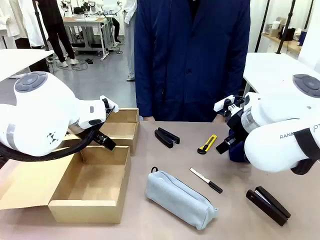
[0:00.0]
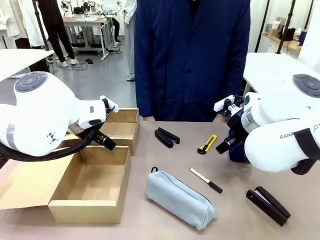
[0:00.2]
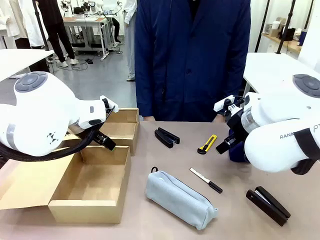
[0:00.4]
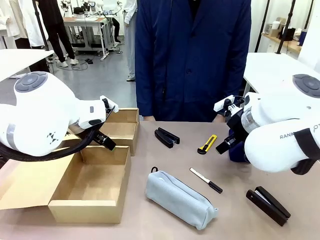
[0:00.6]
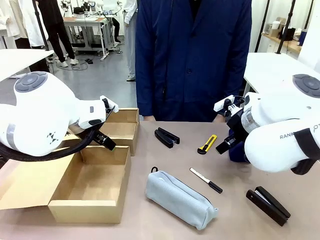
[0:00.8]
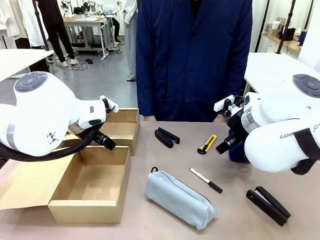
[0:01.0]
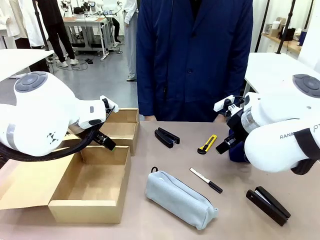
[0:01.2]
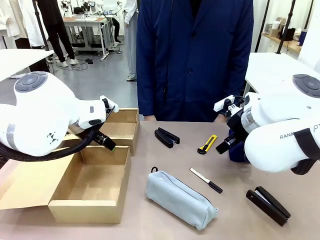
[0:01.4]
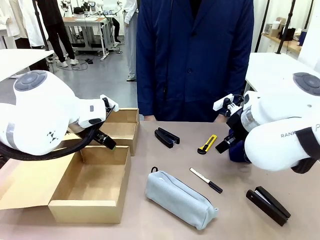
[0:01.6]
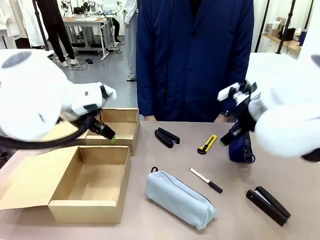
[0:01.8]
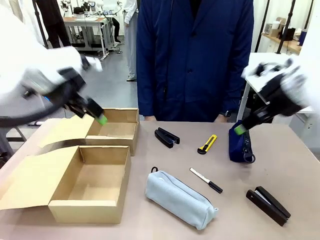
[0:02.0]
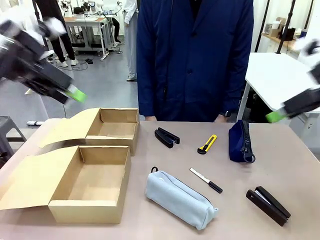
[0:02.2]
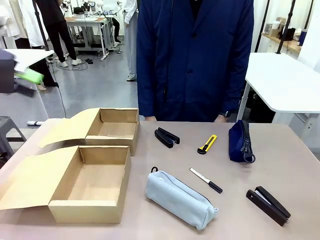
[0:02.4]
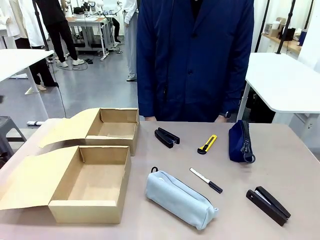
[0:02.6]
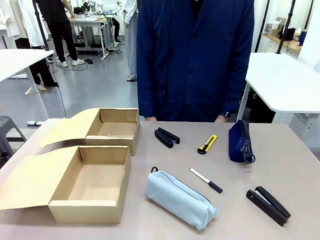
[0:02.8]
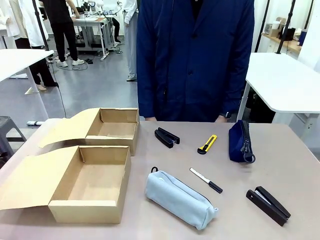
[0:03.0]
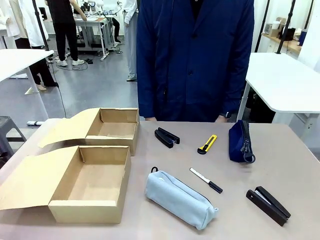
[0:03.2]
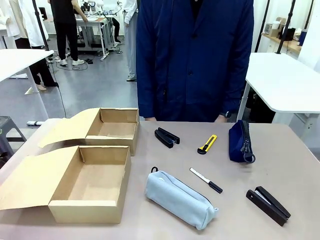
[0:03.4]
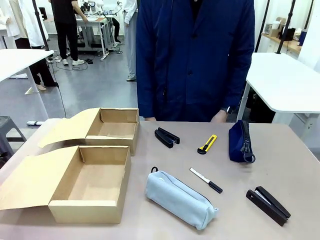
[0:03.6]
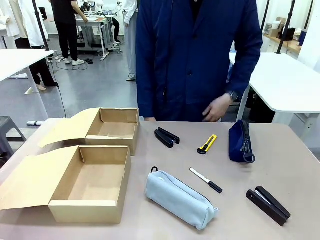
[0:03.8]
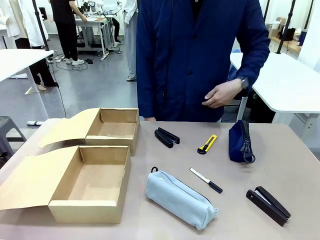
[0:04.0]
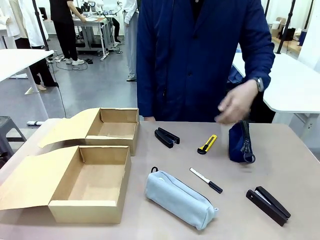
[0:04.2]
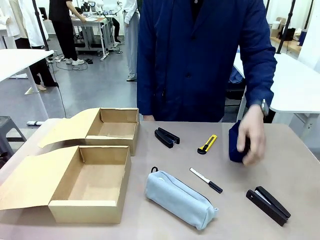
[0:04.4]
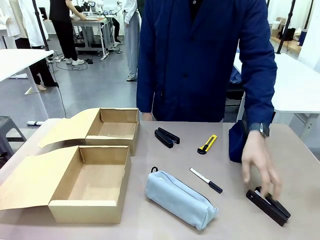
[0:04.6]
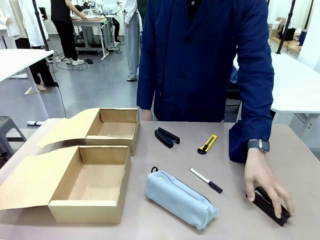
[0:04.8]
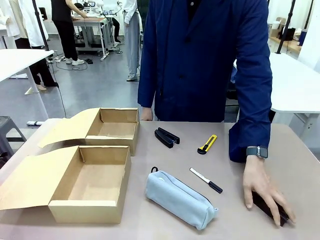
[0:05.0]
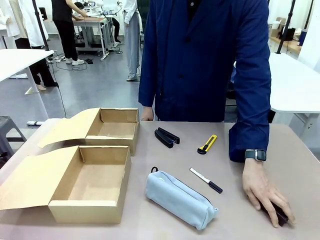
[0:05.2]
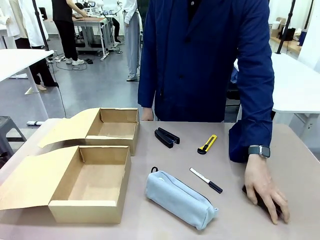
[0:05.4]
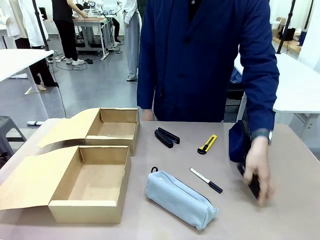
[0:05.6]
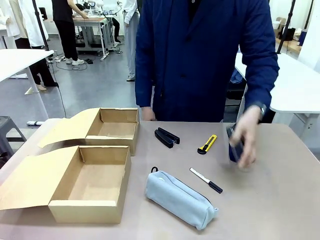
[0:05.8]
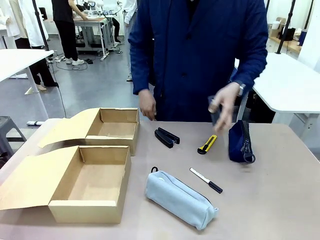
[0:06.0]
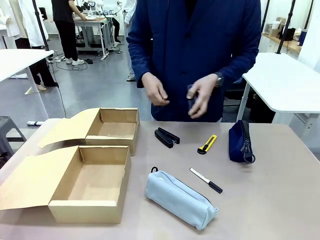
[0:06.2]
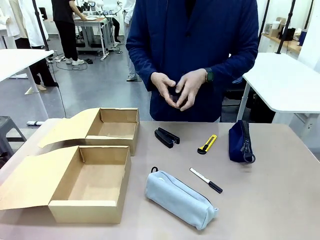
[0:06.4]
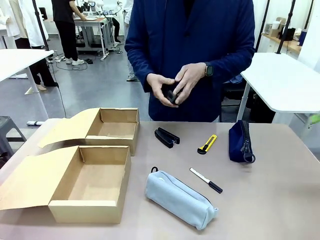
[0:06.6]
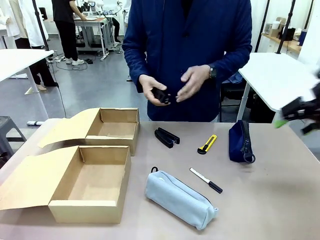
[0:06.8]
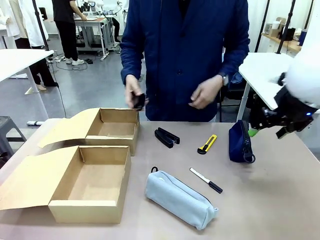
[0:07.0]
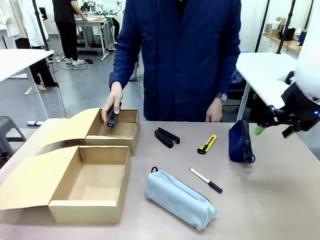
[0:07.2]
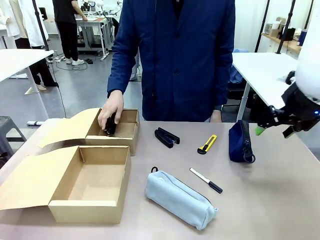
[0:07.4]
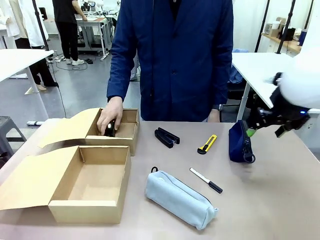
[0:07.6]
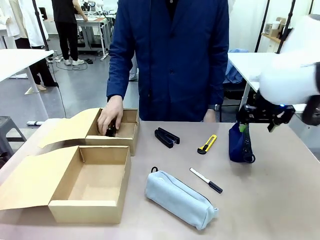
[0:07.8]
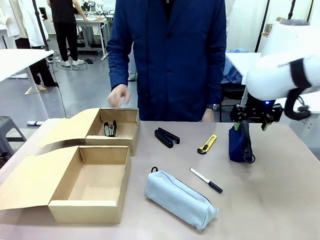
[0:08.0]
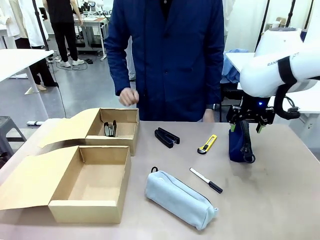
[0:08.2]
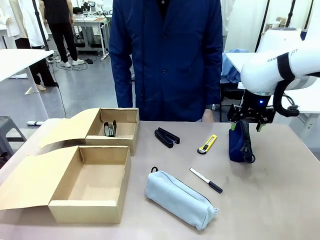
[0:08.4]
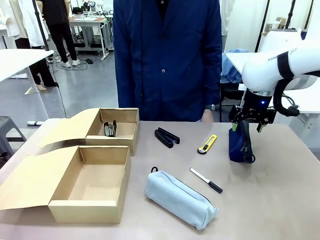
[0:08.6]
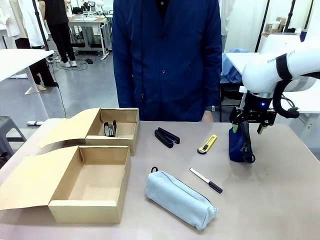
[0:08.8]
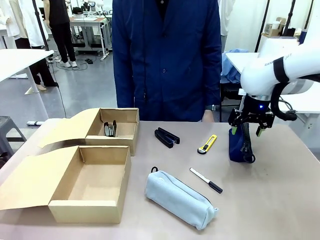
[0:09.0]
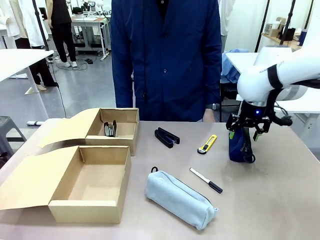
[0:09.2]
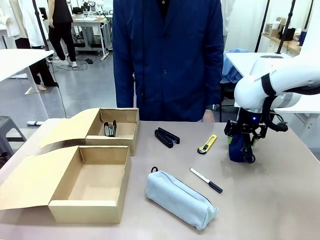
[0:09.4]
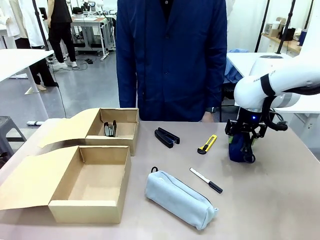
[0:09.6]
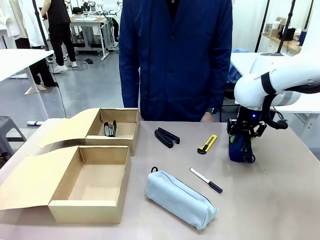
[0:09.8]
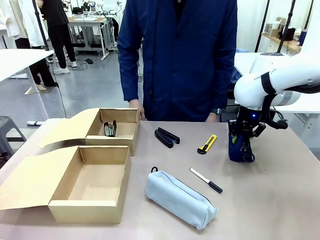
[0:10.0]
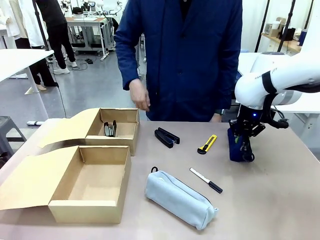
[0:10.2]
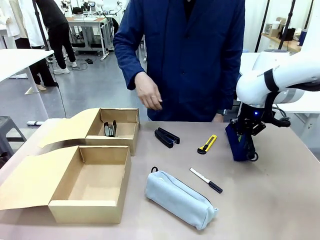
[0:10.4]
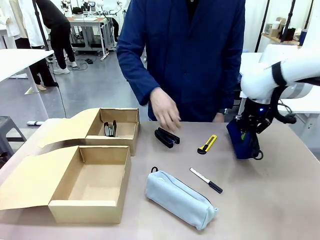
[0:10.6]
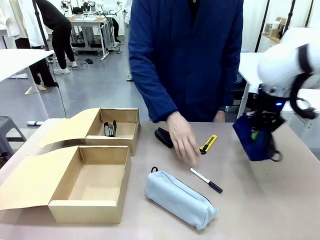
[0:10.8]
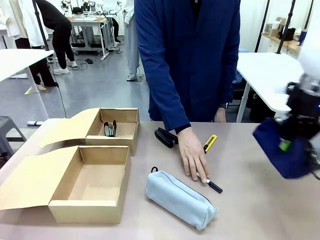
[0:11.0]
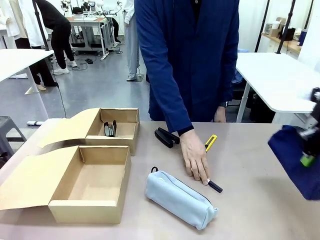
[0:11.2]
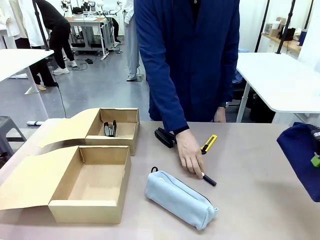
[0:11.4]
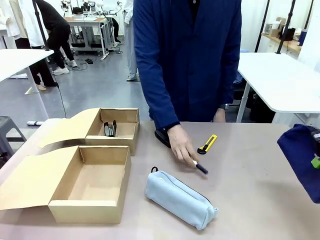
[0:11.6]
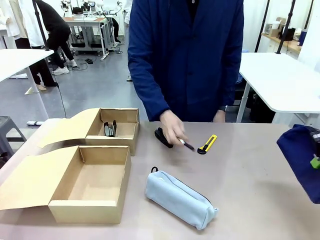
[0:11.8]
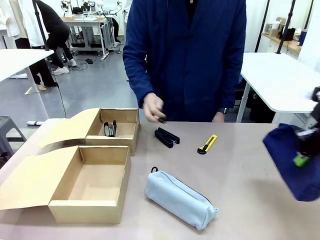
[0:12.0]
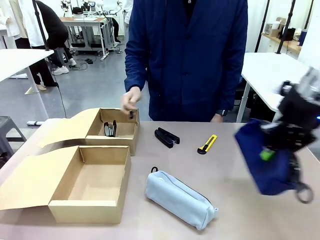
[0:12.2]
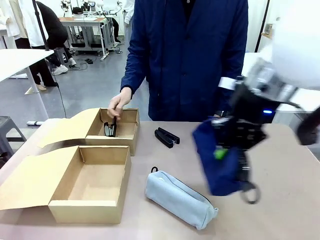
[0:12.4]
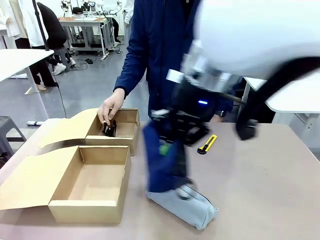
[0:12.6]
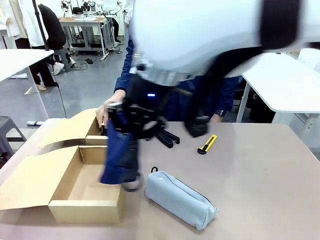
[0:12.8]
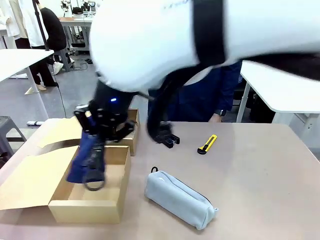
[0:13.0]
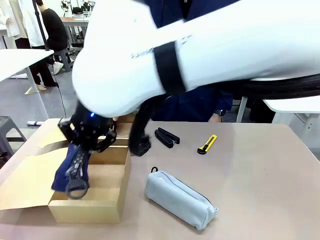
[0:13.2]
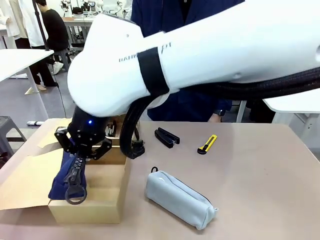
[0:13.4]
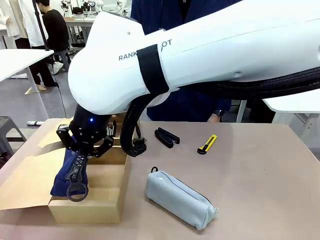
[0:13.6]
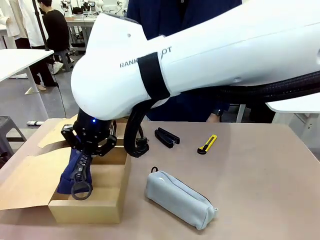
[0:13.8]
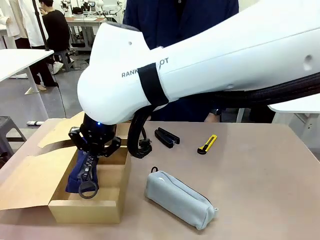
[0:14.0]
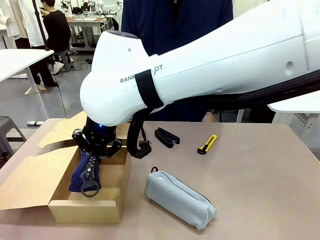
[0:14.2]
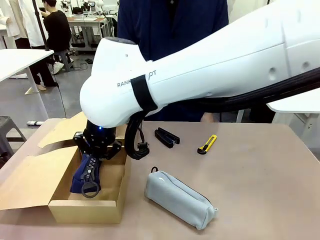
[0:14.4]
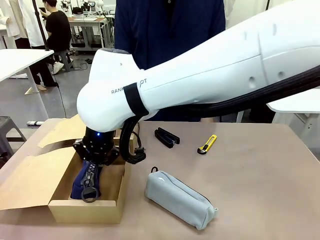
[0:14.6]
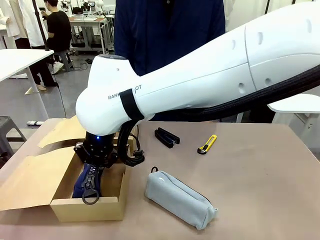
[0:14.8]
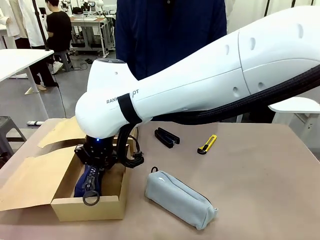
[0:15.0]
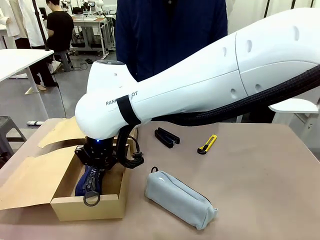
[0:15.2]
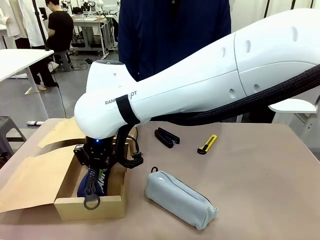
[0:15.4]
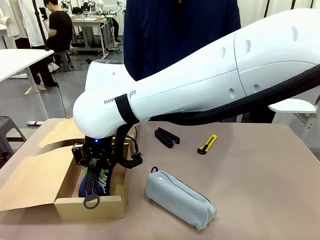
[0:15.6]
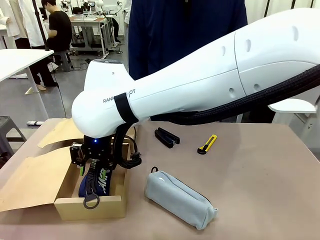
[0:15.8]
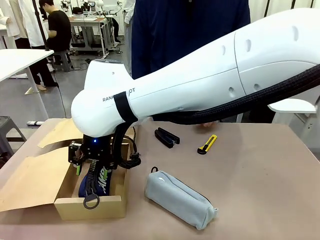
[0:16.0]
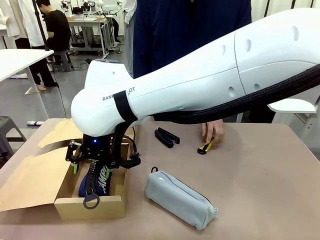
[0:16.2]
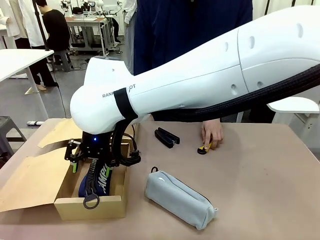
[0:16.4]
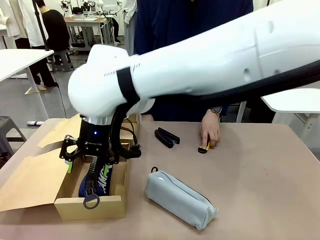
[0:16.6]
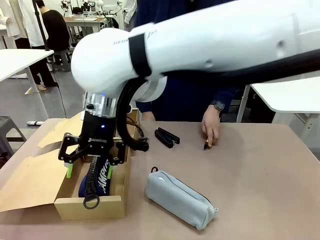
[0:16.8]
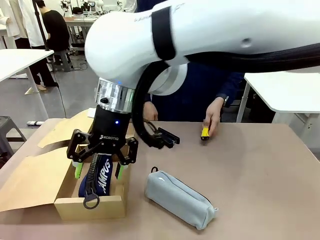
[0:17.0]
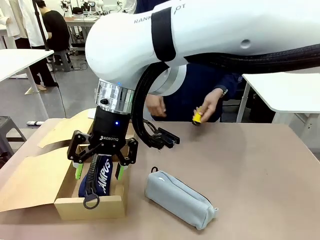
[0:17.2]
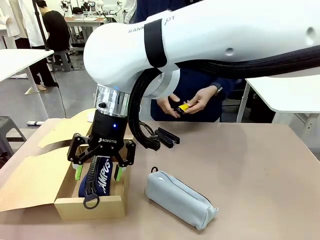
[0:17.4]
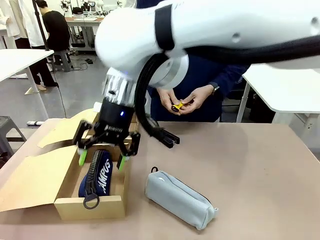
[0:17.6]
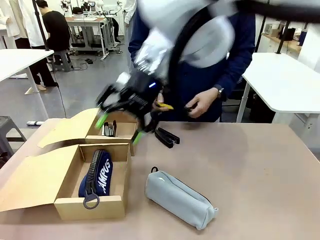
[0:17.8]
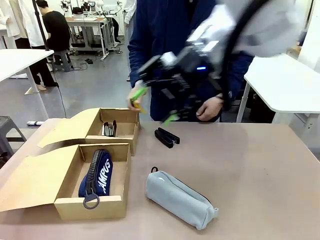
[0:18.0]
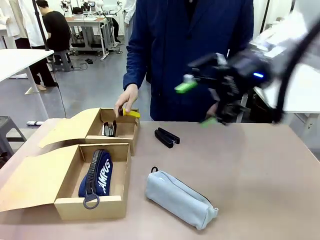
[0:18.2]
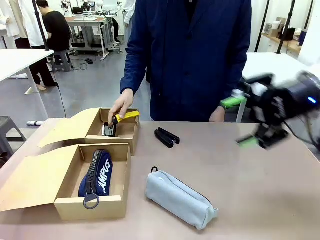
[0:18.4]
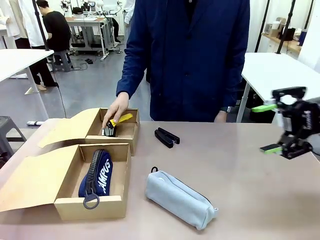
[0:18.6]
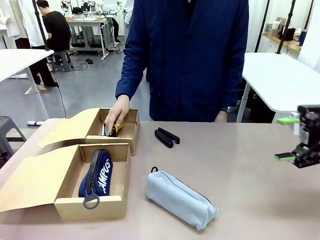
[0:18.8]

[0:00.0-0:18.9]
Task: Place items inside the box.
Robot: Pick up a Pencil pouch or Stapler and place it inside the Mailer Box closest to the robot.
Person: Pick up an object on the table and put it in the box.
